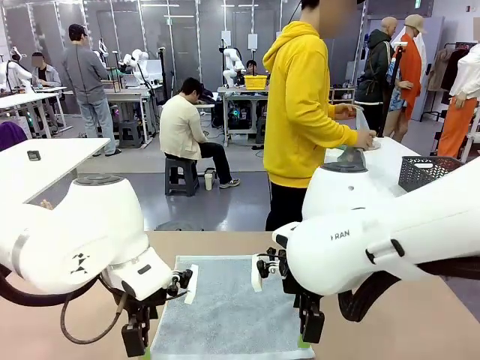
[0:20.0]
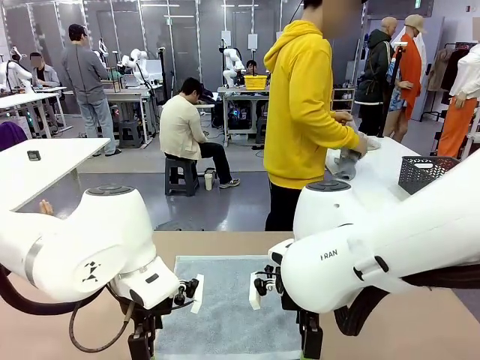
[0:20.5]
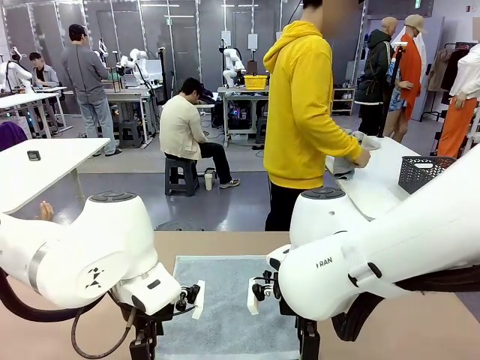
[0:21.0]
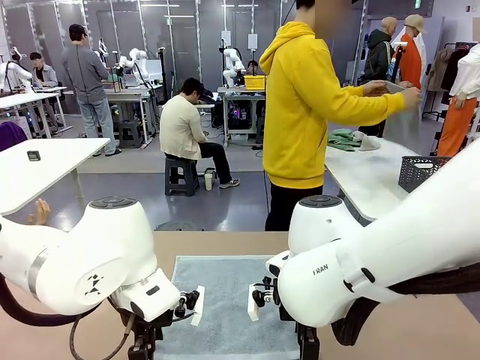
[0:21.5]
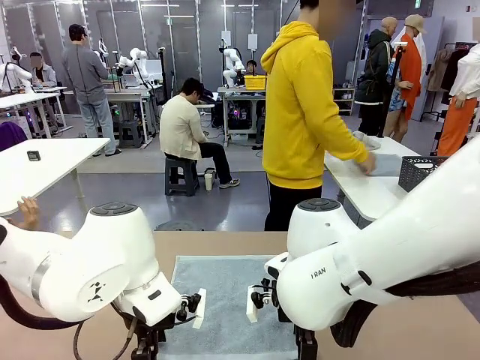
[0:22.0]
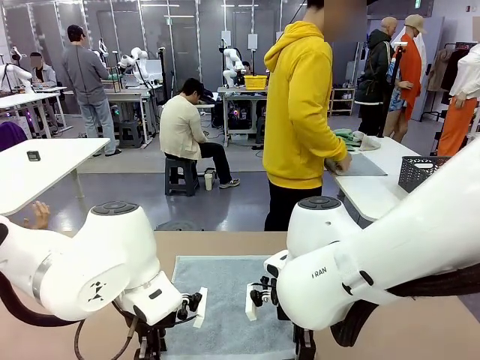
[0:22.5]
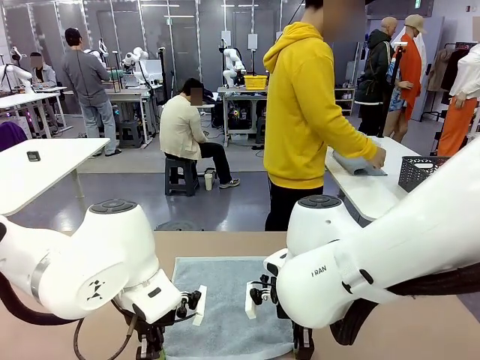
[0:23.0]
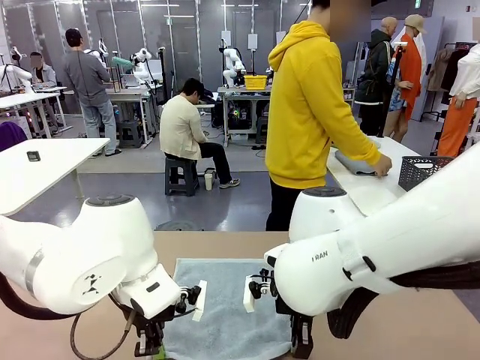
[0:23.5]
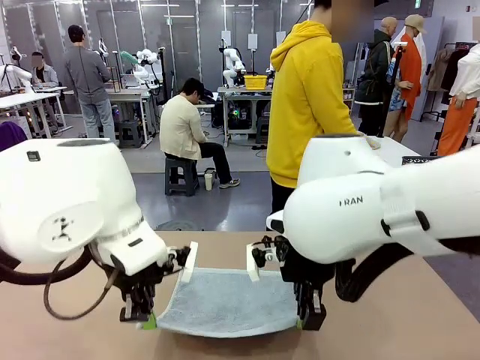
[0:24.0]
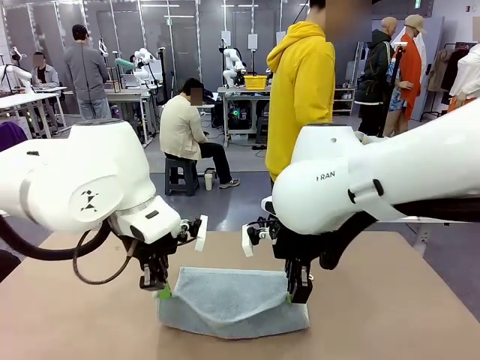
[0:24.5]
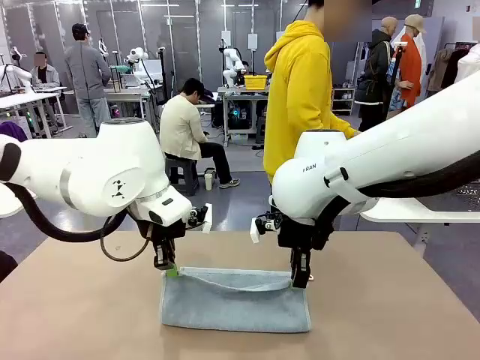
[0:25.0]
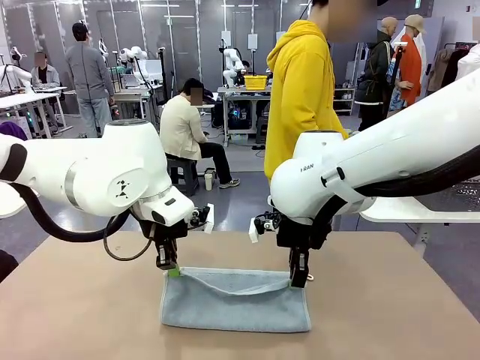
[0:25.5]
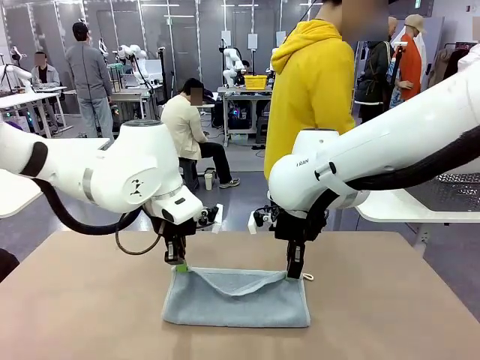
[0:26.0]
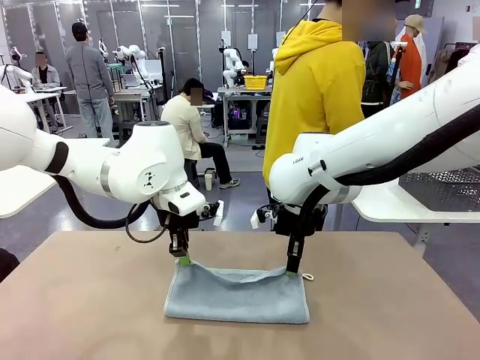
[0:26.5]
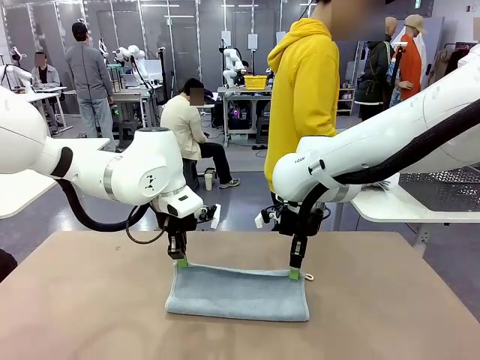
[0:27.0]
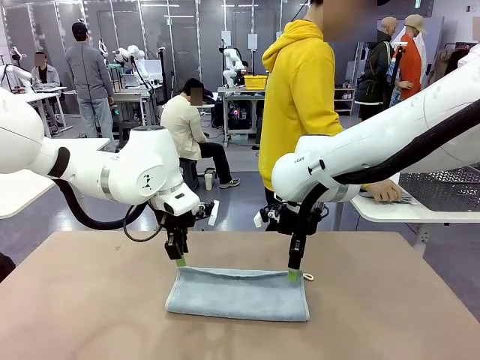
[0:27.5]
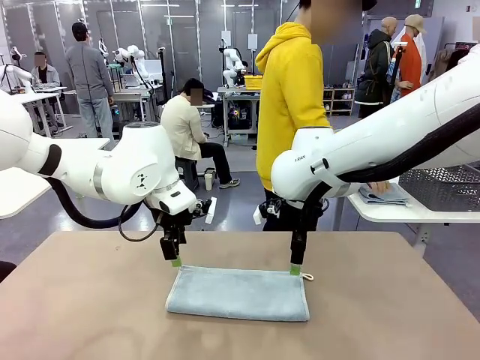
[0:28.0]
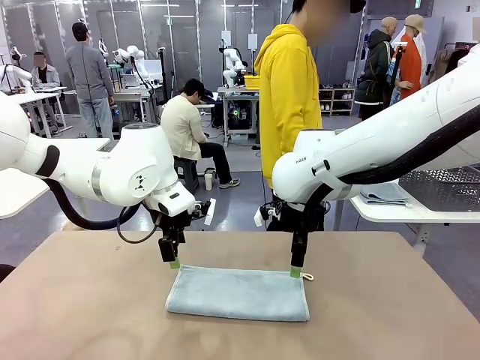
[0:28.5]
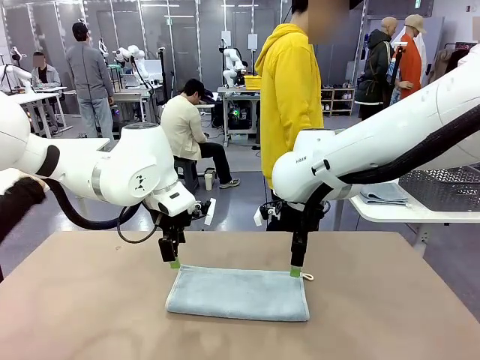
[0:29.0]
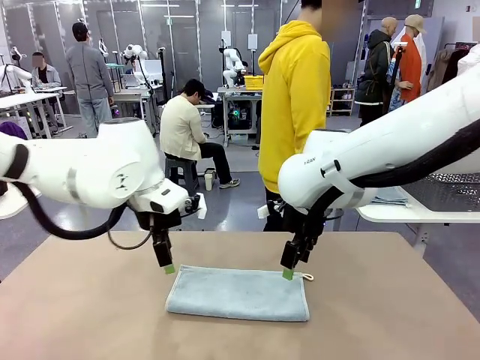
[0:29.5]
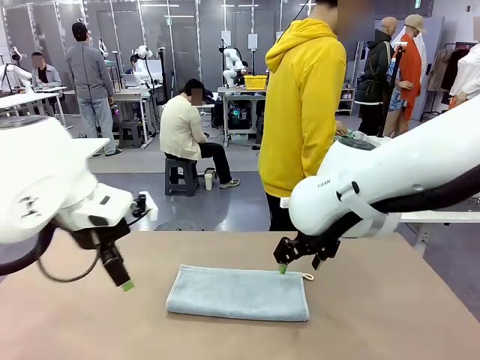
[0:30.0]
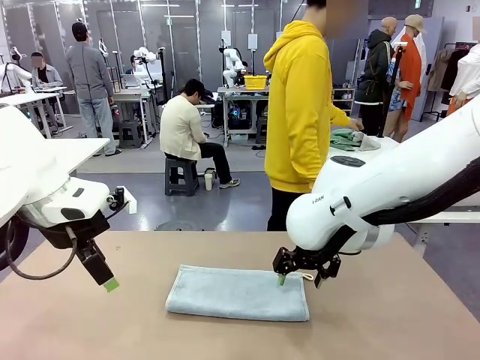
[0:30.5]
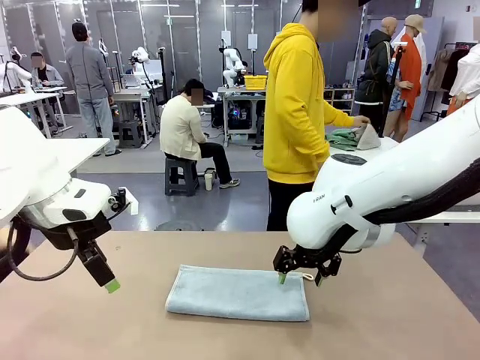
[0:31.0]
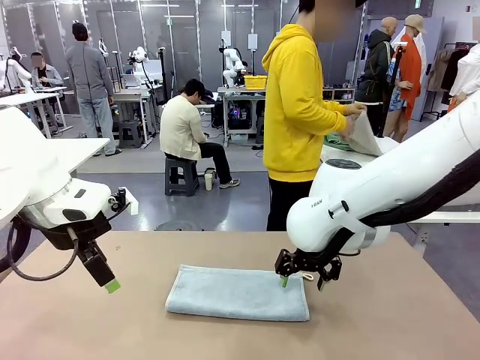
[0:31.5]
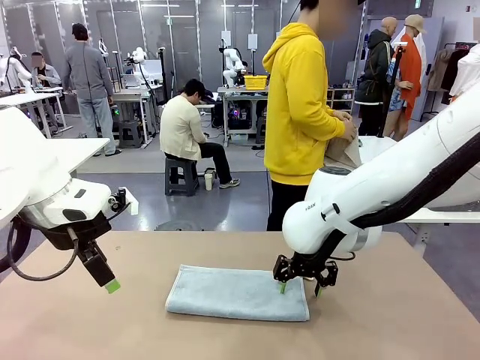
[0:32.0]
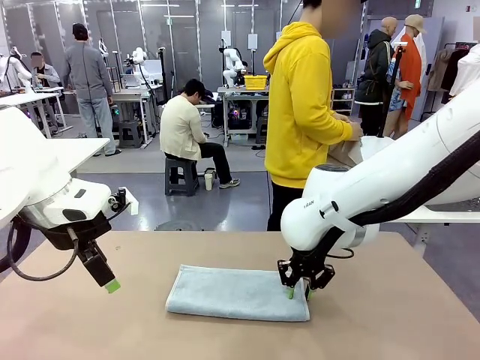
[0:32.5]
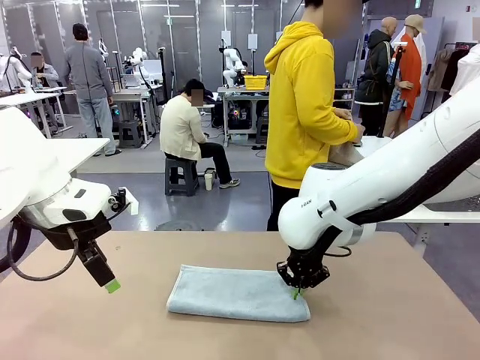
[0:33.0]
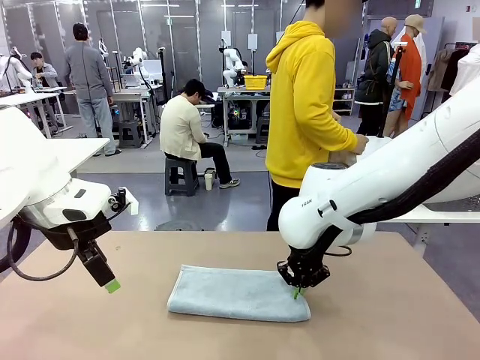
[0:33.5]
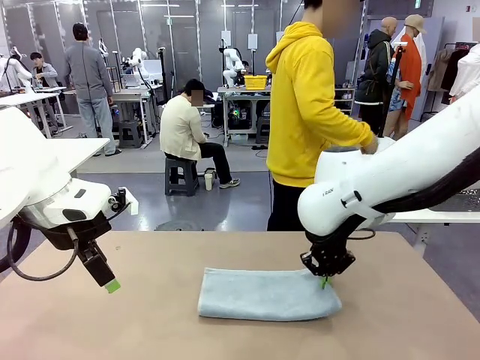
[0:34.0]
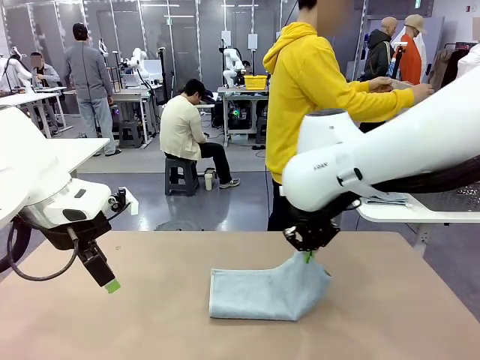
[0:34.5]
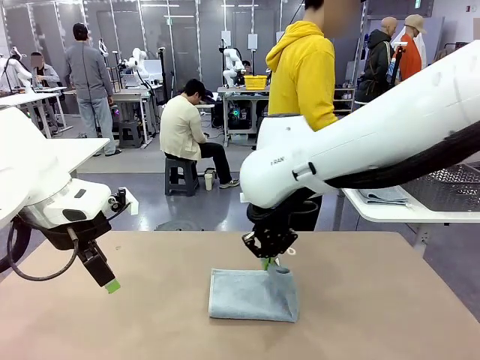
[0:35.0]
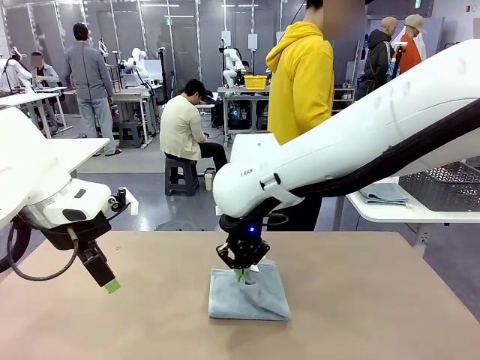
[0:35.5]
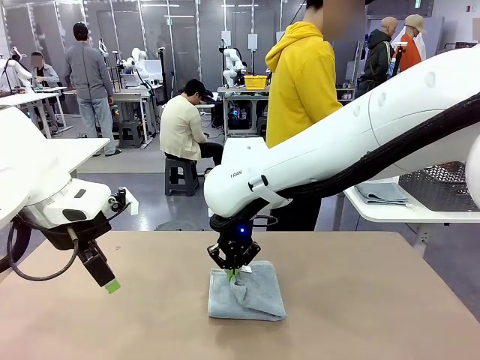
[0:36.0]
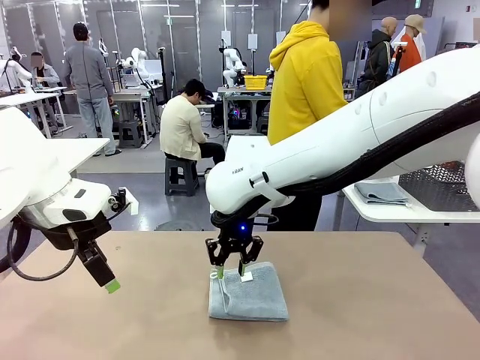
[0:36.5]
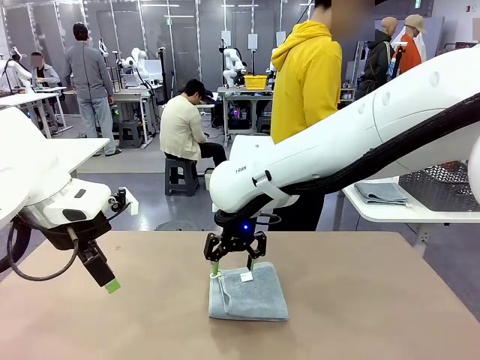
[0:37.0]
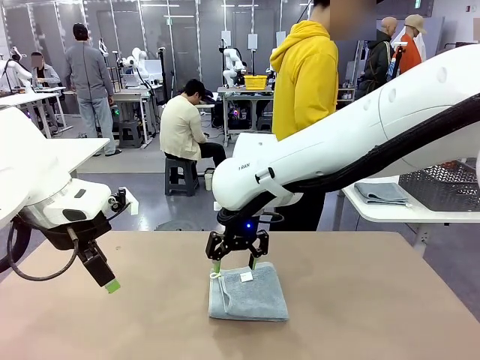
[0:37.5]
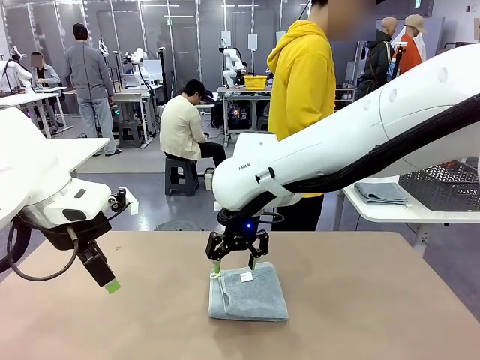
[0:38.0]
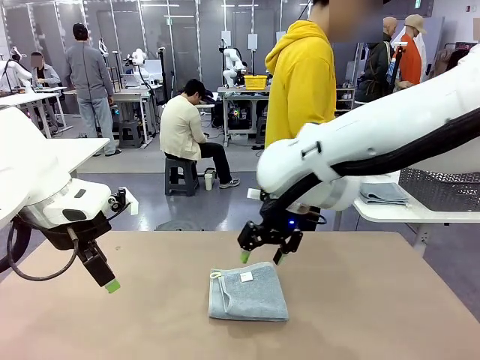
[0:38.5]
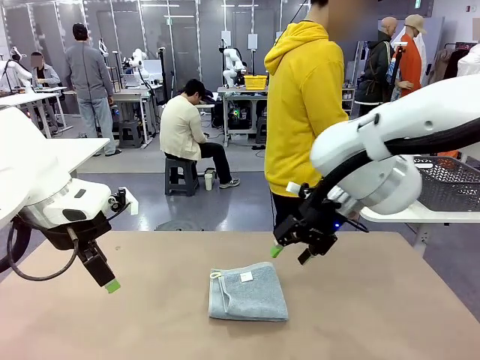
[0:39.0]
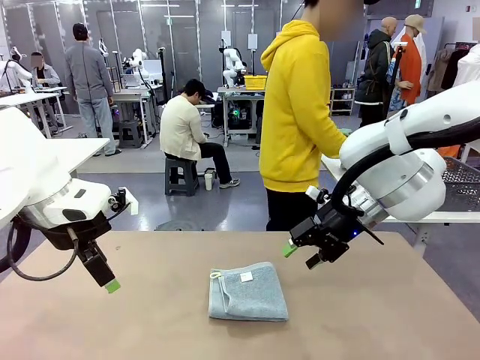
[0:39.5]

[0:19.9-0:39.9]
Task: Fold the towels and place them in the basket.
Robot: When a person lays out a Towel with hook on the table, fold it in half twice.
Person: Pick up one towel from the left side of the human table, fold it in half twice, and place it on the right side of the table. Pick up one towel from the left side of the human table, fold it in half twice, and stack it on the right side of the table.

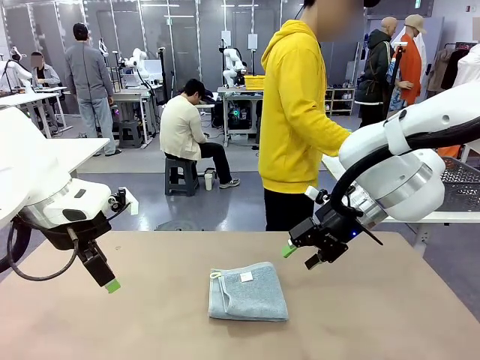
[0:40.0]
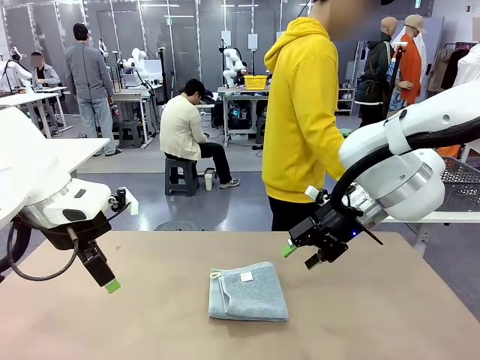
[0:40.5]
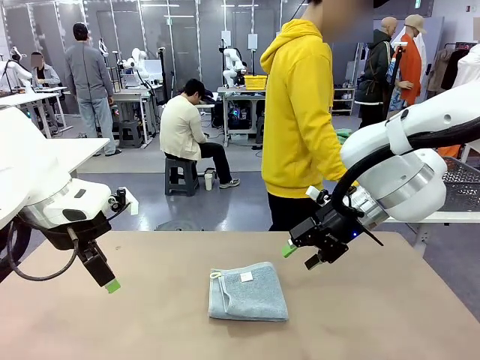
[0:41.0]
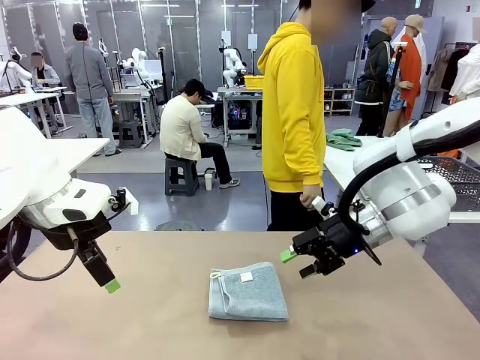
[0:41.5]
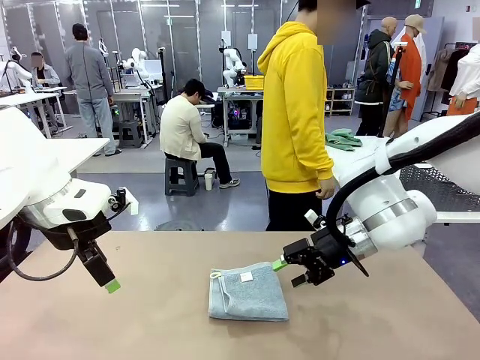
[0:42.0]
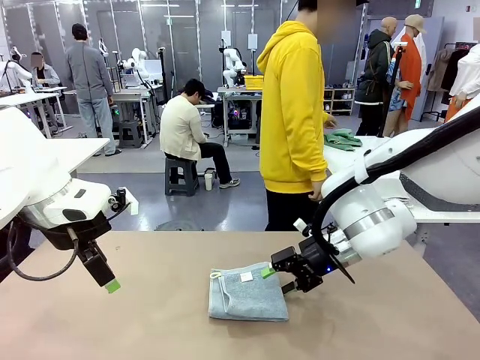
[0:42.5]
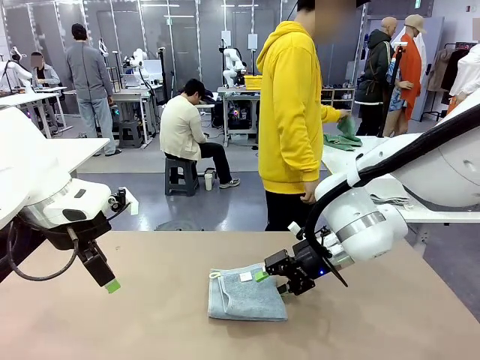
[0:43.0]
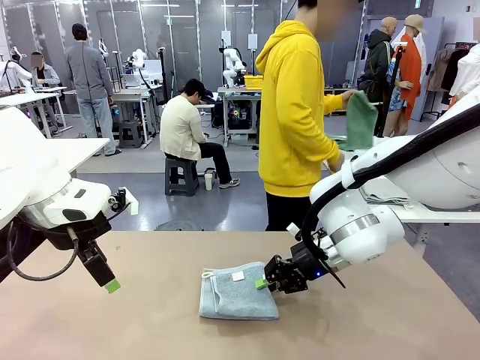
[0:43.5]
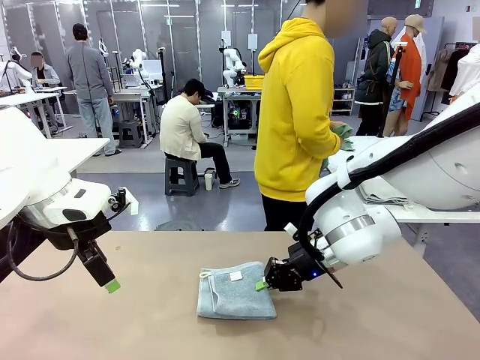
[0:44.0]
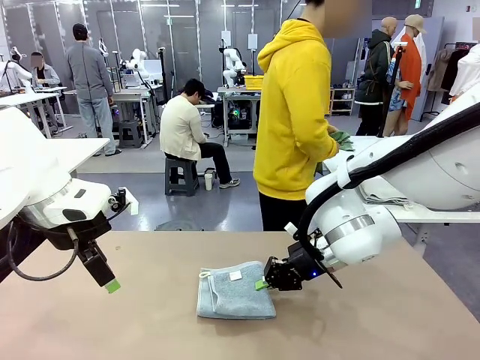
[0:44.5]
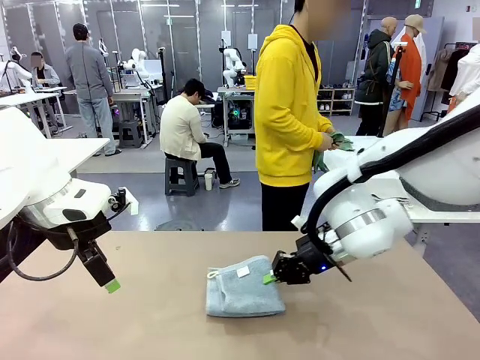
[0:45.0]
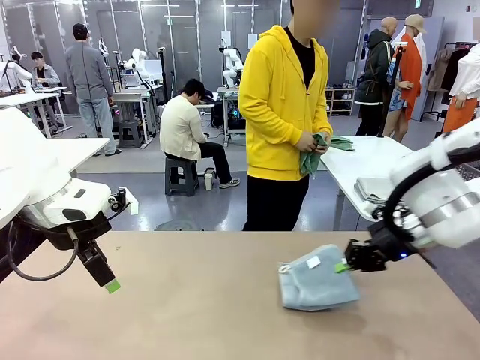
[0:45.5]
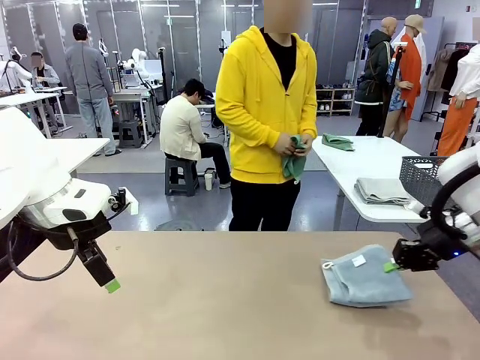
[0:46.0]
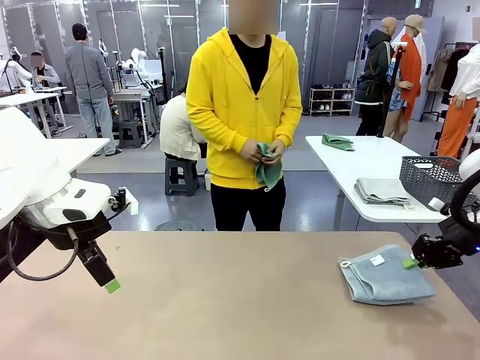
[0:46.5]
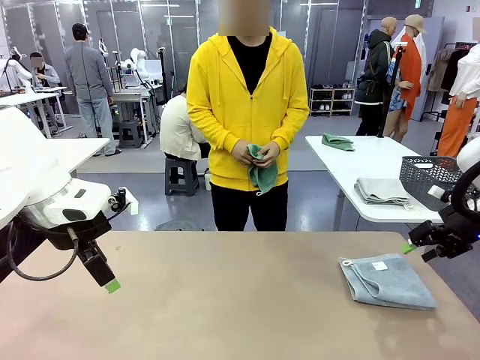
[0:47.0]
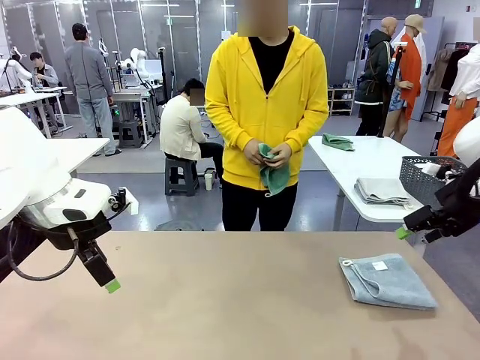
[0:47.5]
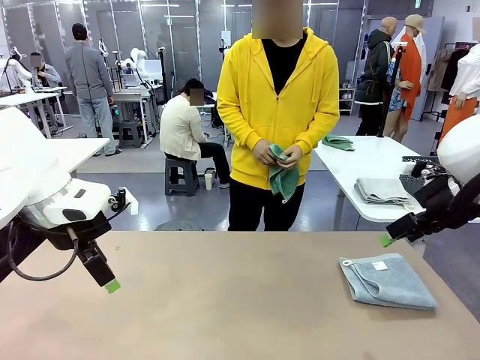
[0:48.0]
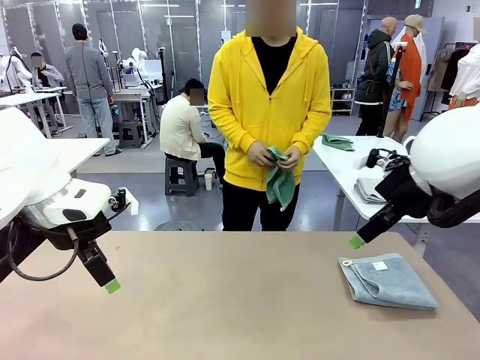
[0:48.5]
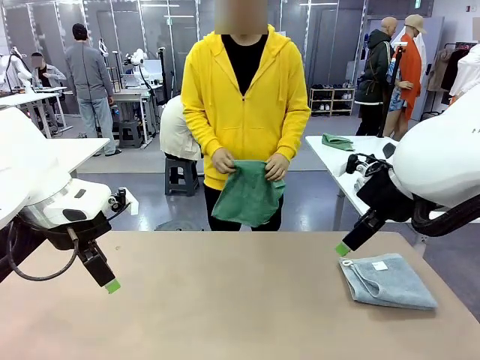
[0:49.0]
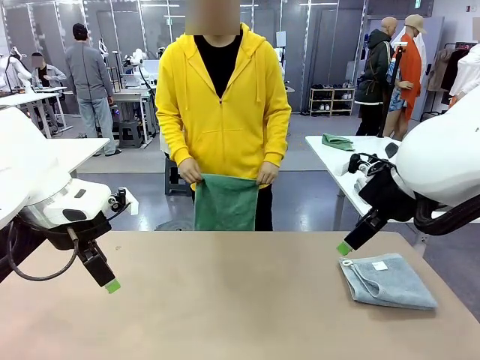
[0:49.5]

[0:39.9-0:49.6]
Robot: Place the folded Towel with hook on the right side of the table.
Person: Pick up one towel from the left side of the human table and spread it out at the center of the robot table.
